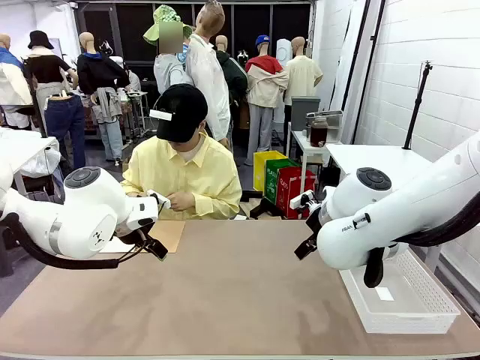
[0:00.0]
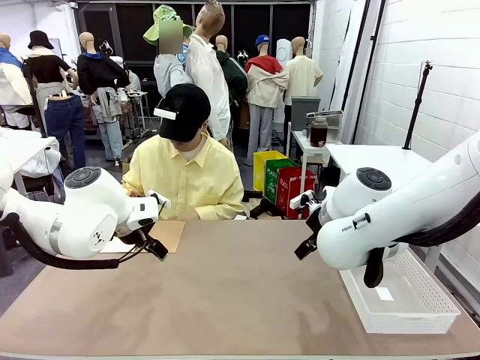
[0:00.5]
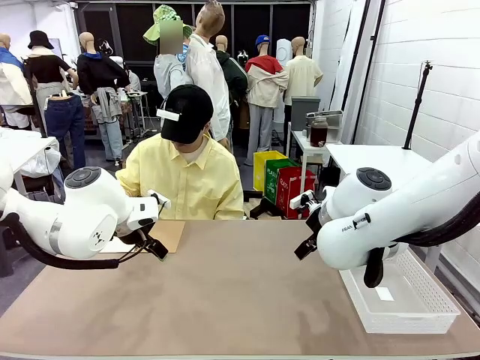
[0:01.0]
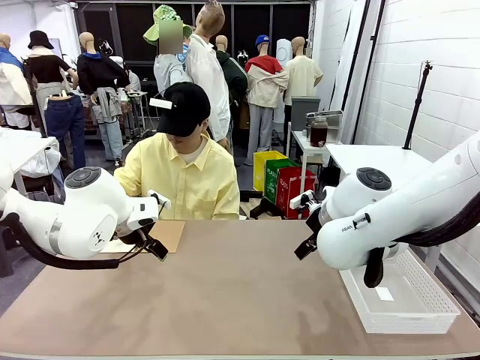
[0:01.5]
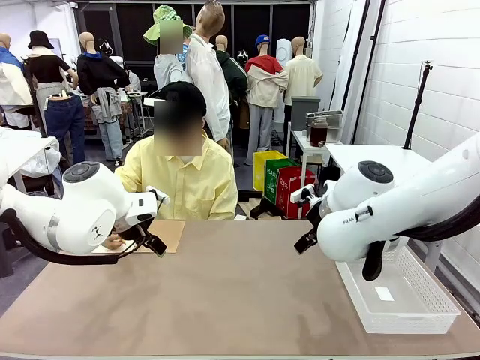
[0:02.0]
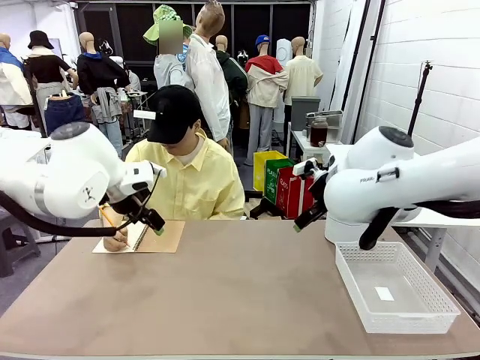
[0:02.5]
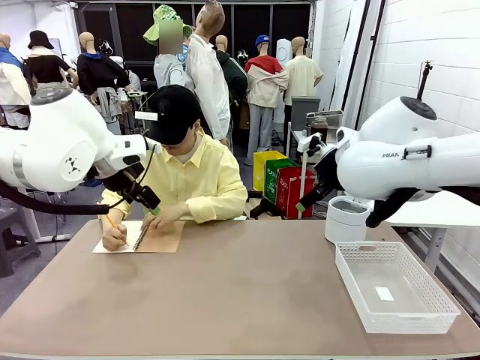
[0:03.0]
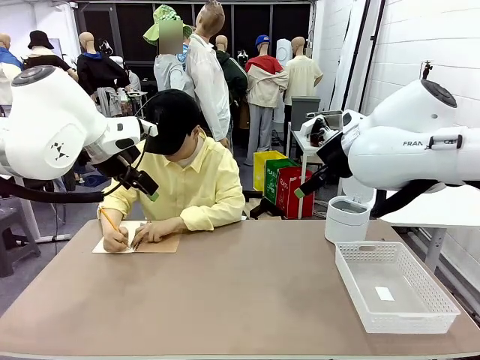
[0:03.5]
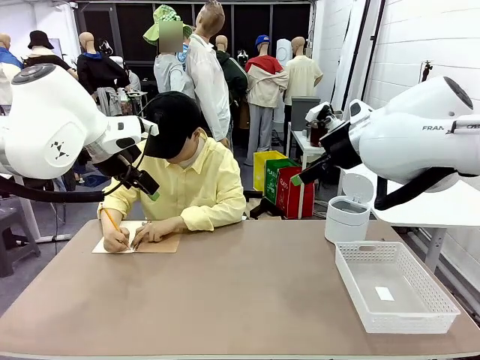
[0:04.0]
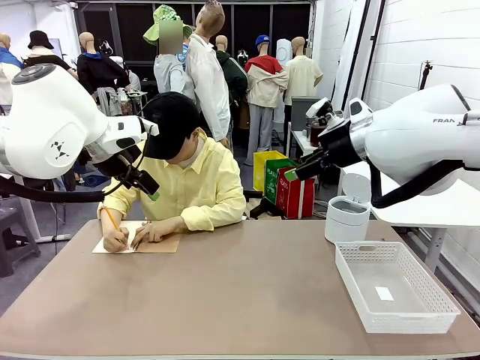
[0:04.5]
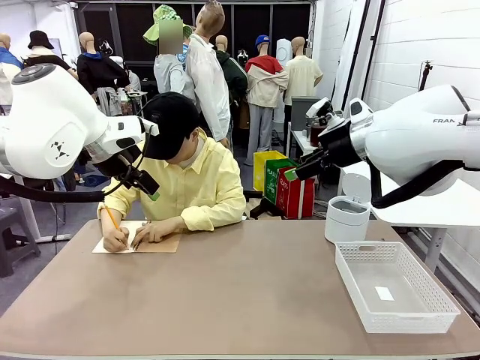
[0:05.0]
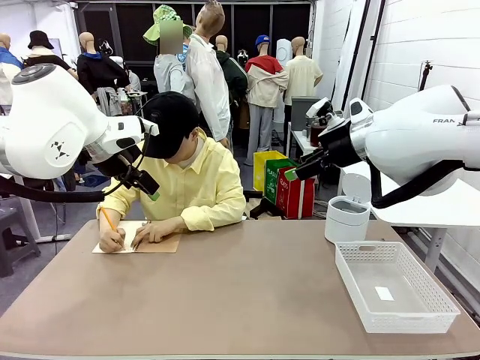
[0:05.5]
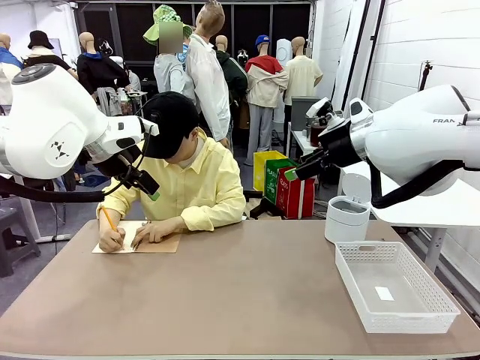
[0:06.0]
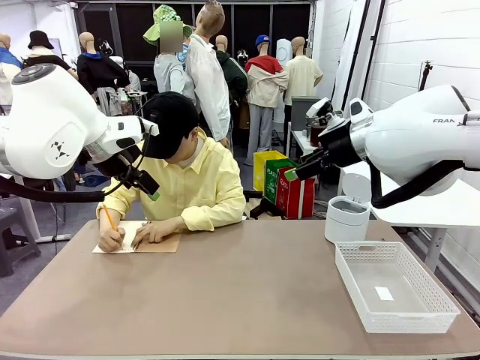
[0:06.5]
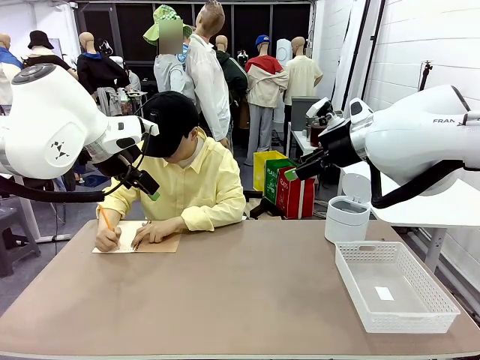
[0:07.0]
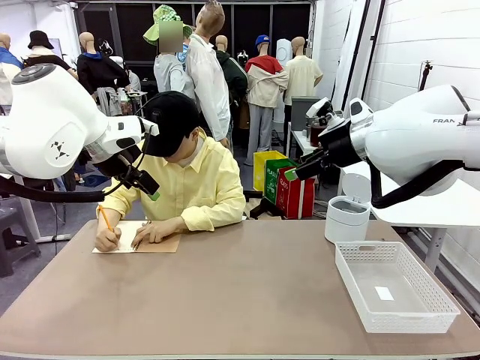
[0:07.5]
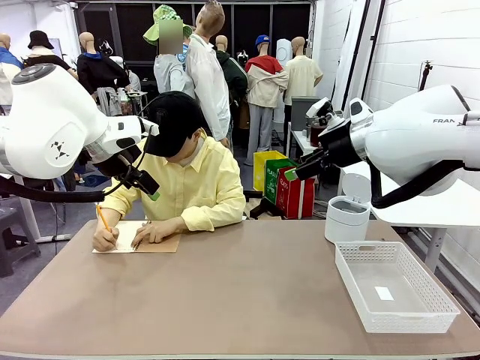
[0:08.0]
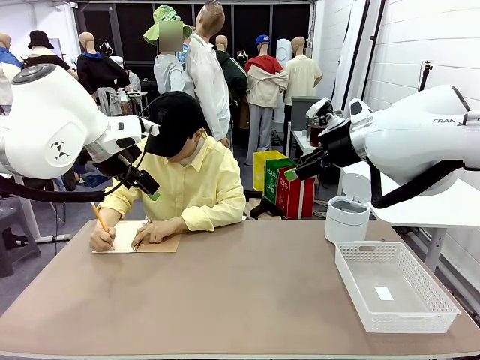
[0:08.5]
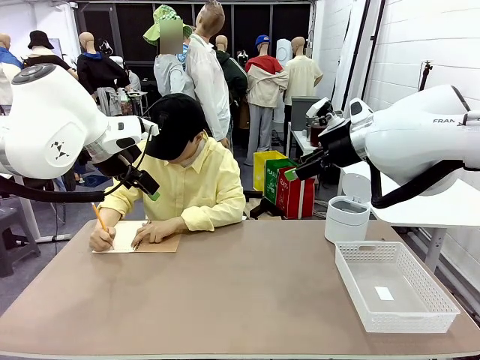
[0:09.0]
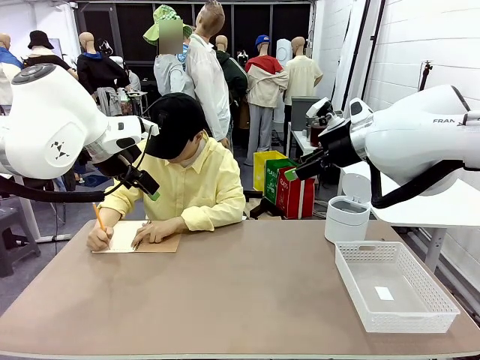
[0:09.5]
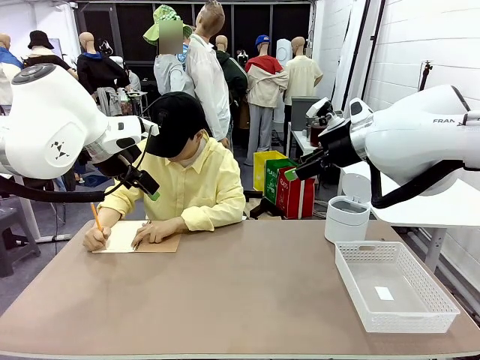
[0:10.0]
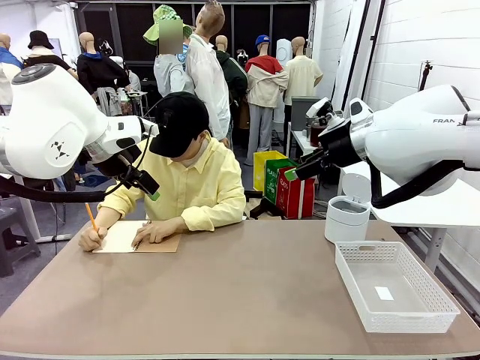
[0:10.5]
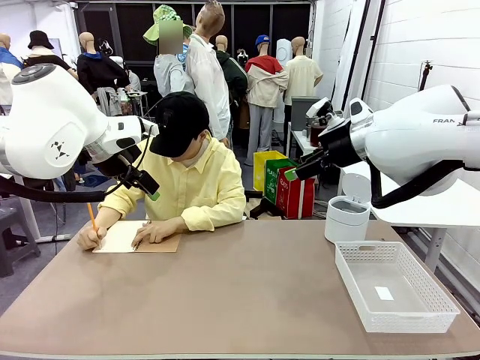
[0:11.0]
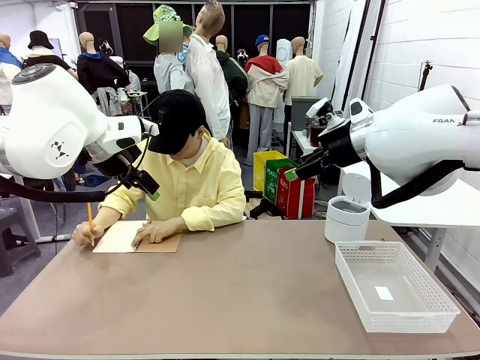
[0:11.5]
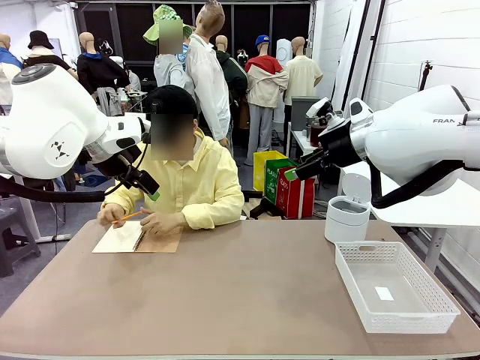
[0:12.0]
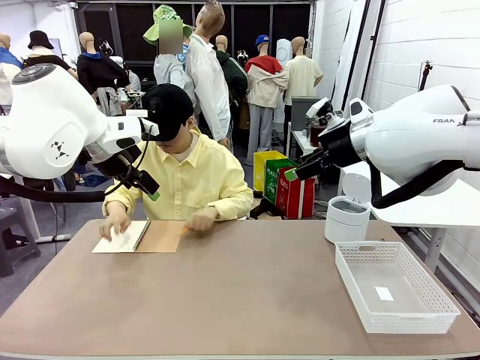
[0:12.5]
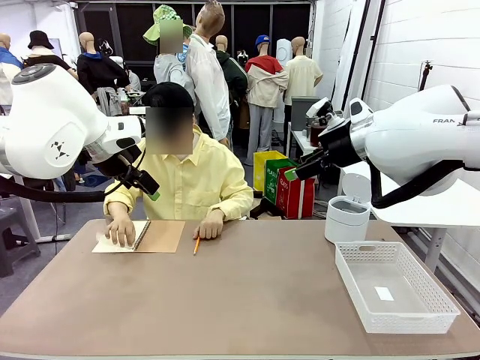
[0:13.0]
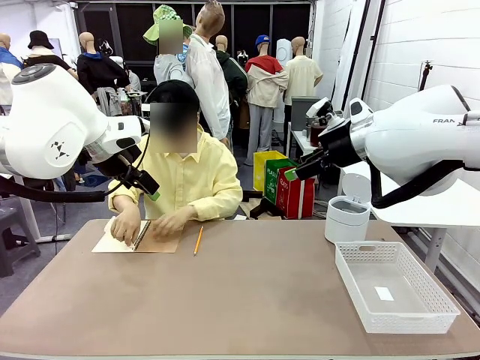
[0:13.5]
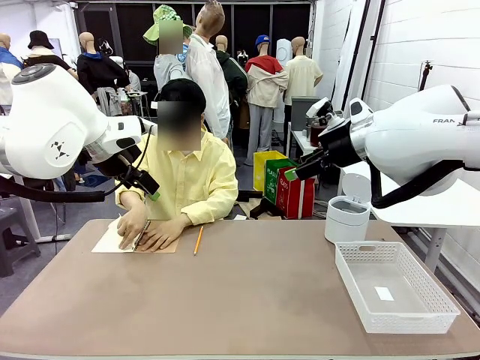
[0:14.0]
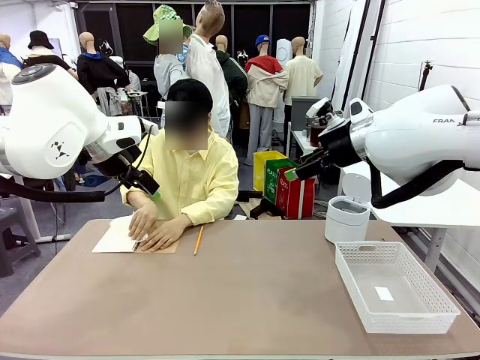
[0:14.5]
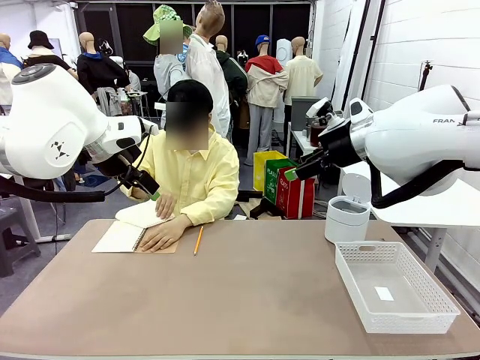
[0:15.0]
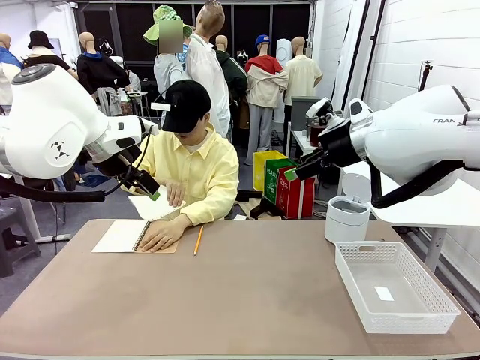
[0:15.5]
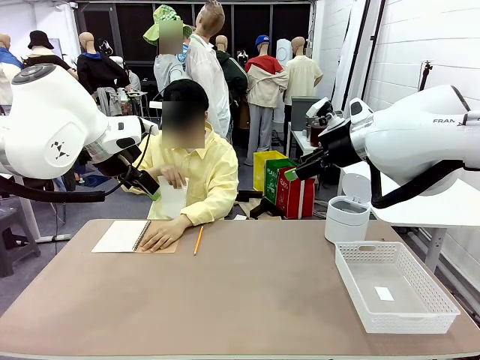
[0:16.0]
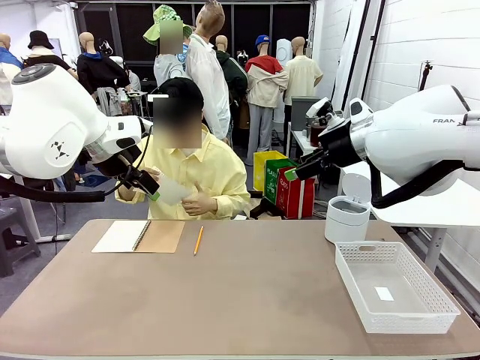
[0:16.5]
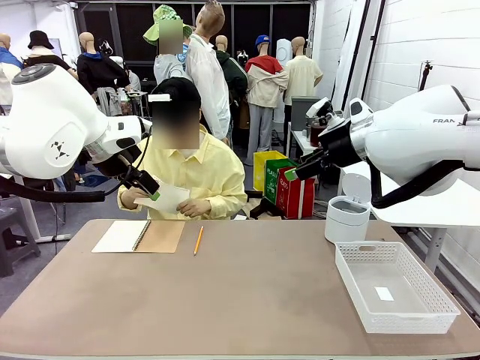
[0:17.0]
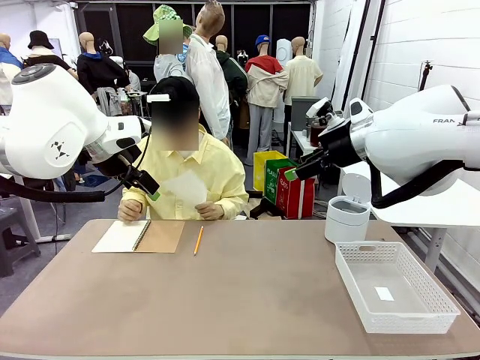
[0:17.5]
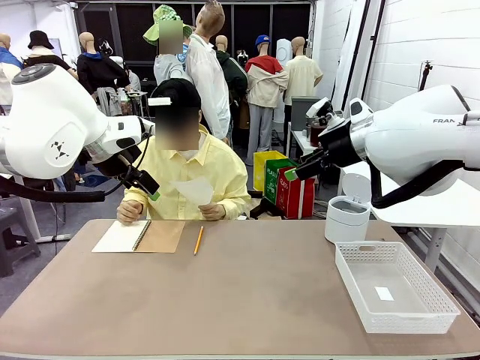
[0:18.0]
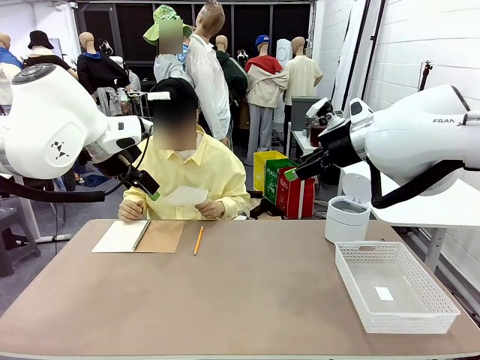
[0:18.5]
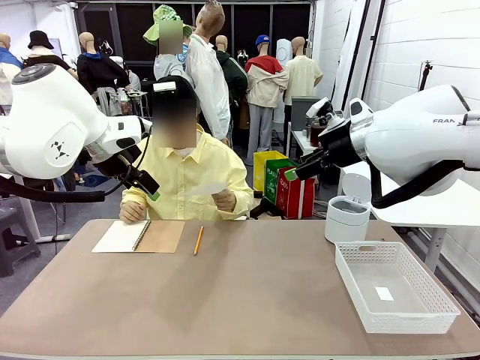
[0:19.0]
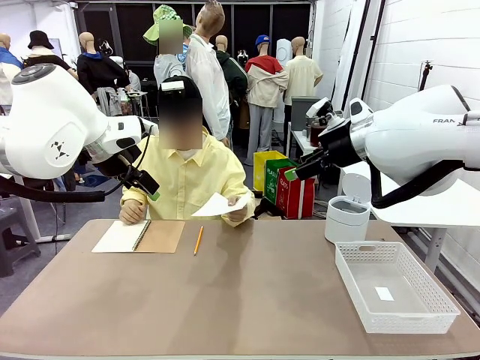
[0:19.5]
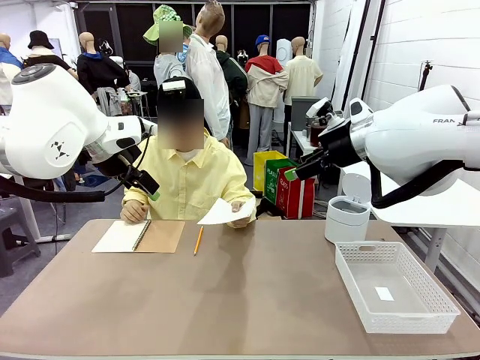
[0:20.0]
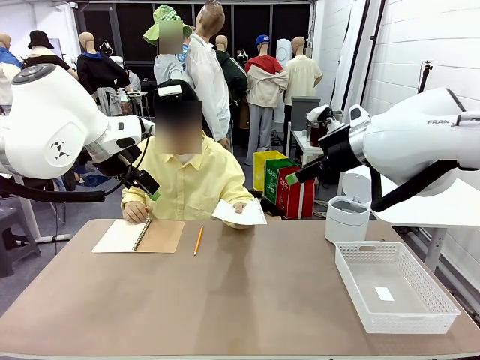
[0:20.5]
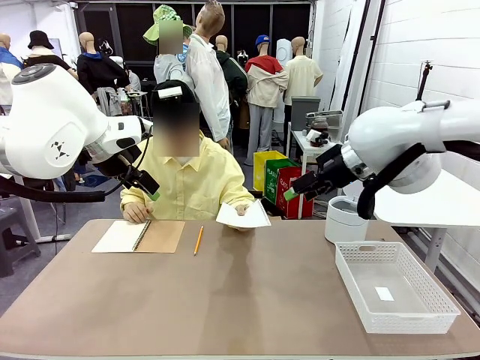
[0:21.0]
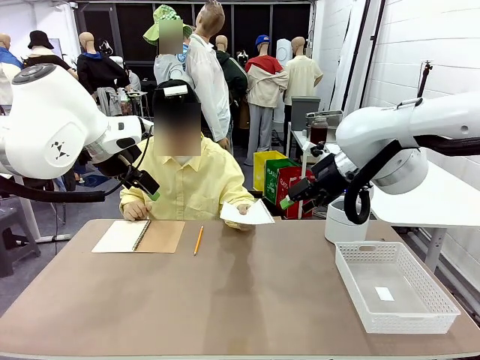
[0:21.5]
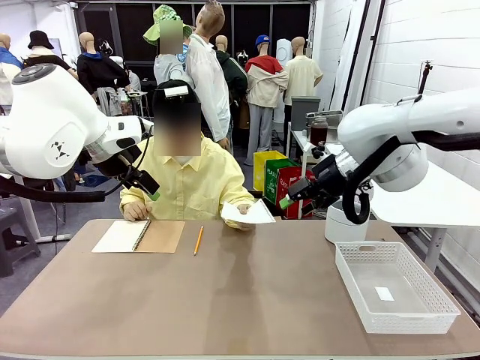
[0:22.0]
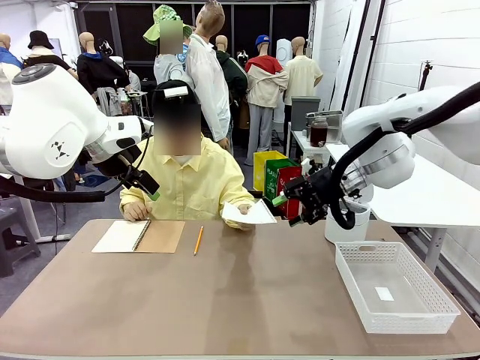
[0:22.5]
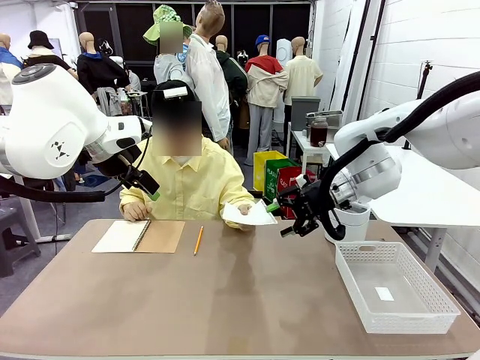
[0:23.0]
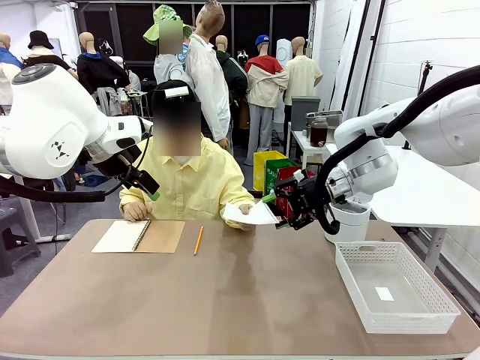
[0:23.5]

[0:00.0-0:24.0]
Task: Sort the paper based on its condition.
Robot: If a person hands you a paper, place it in the Organizing basket , and if it's crumpled, put it in the Trash can.
Person: Tear out a page from the spiral notebook. Hand the torn page to the robot or crumple it and throw it to the center of the table.
